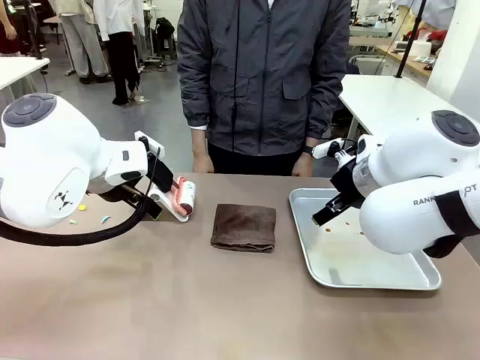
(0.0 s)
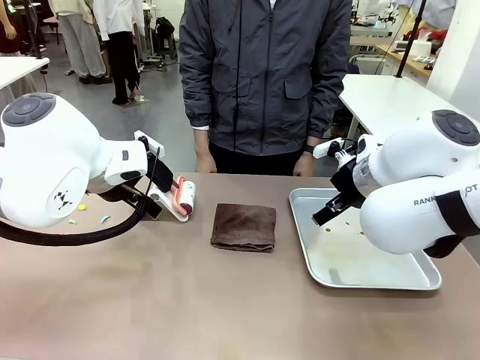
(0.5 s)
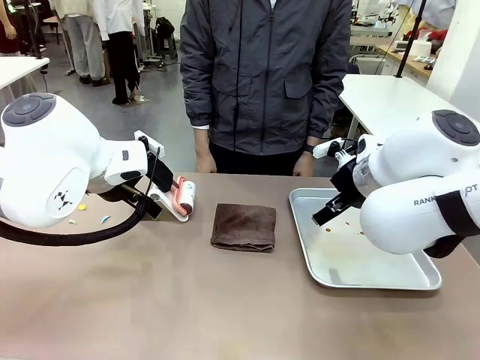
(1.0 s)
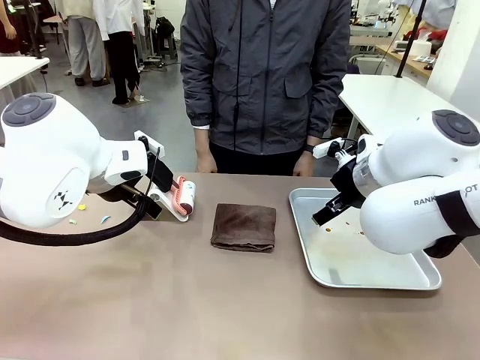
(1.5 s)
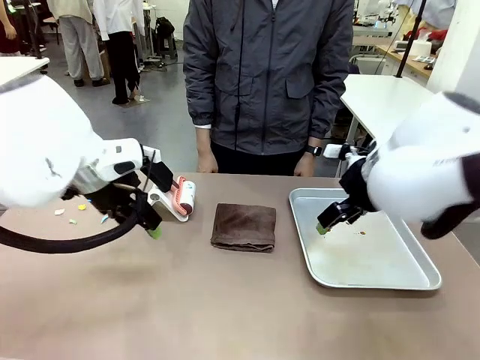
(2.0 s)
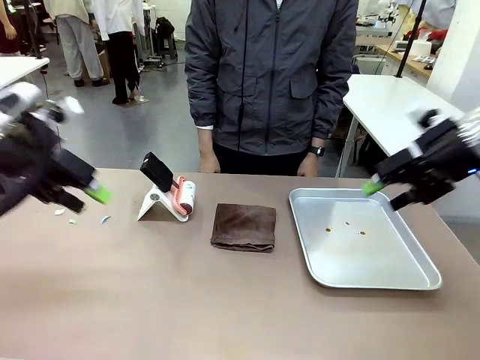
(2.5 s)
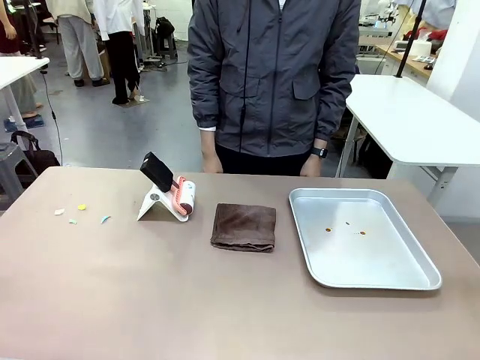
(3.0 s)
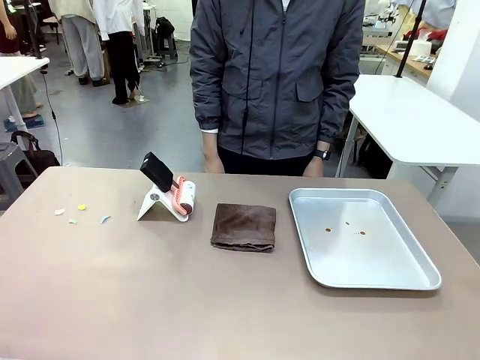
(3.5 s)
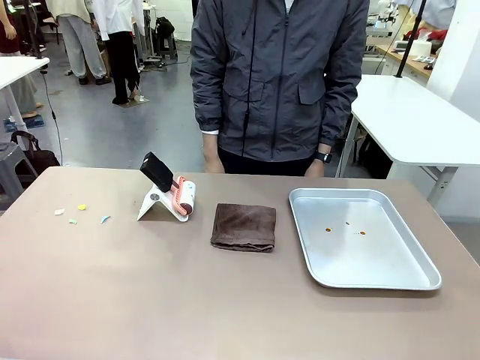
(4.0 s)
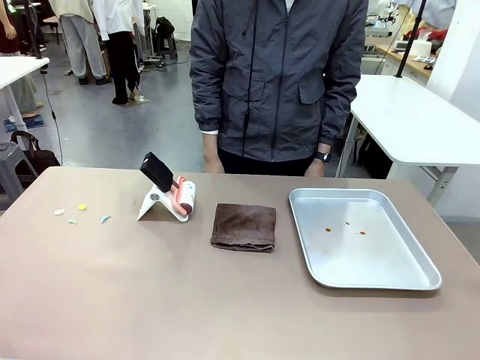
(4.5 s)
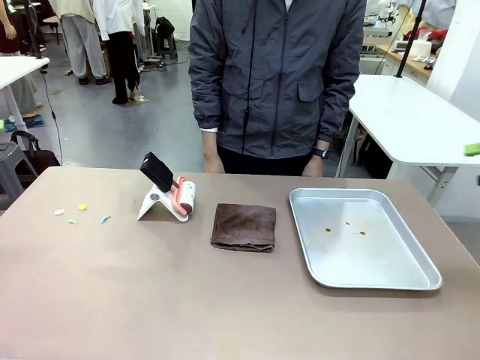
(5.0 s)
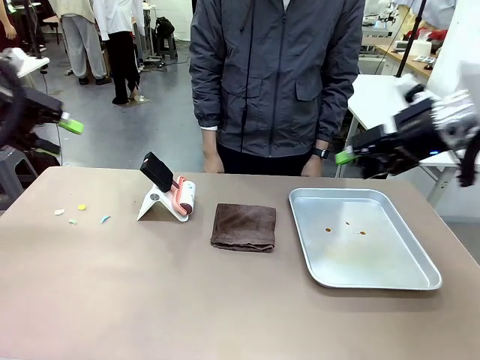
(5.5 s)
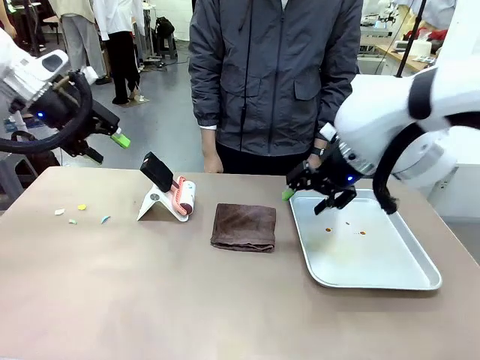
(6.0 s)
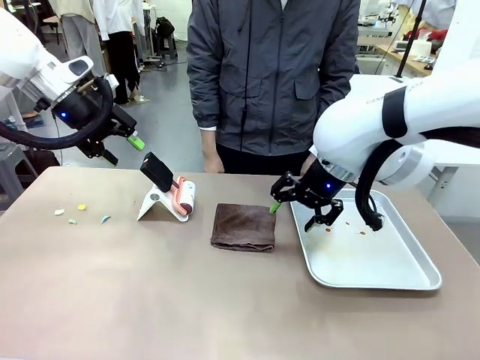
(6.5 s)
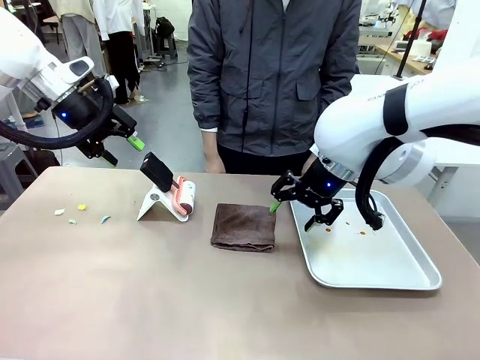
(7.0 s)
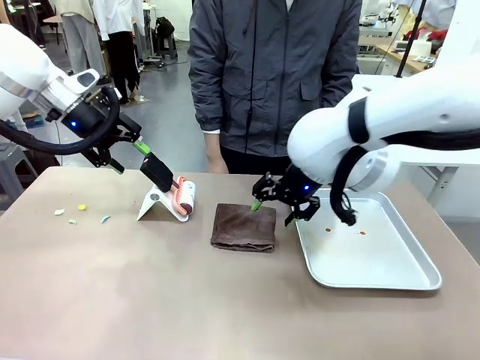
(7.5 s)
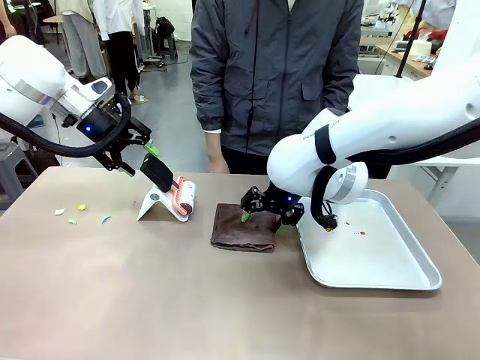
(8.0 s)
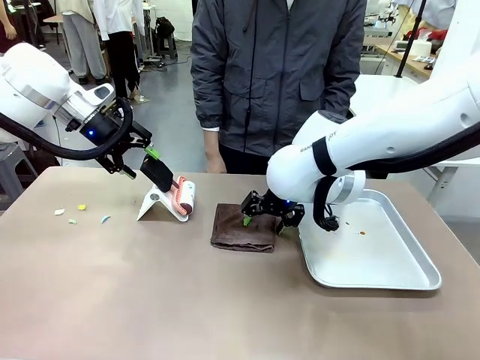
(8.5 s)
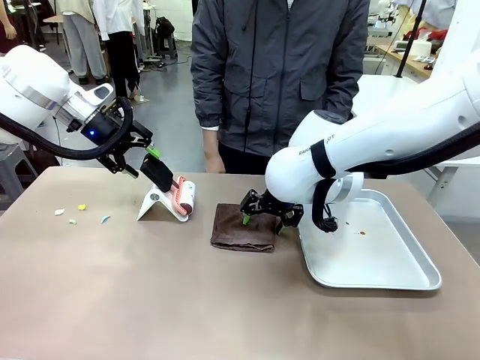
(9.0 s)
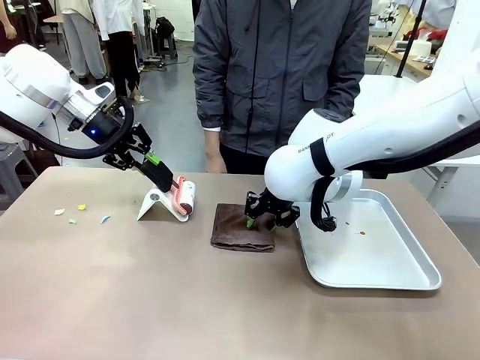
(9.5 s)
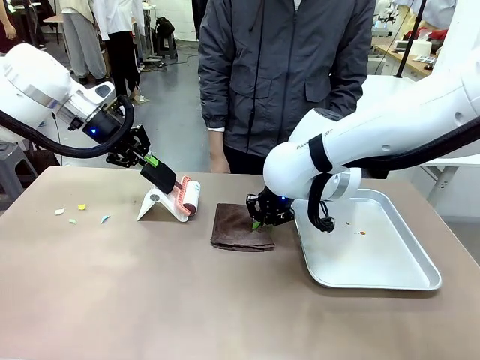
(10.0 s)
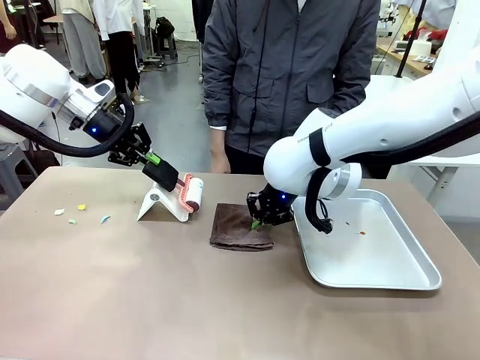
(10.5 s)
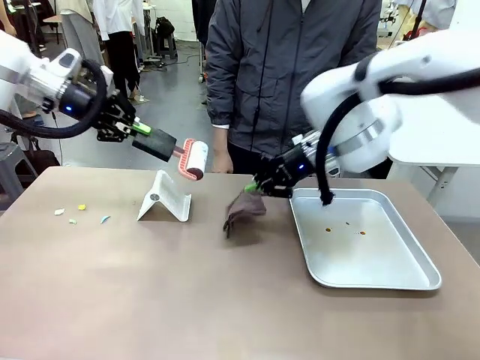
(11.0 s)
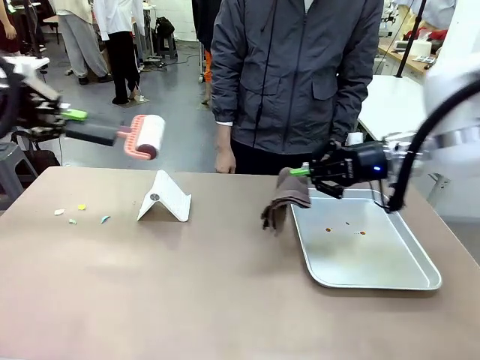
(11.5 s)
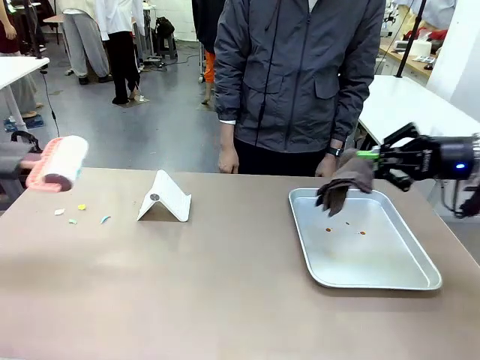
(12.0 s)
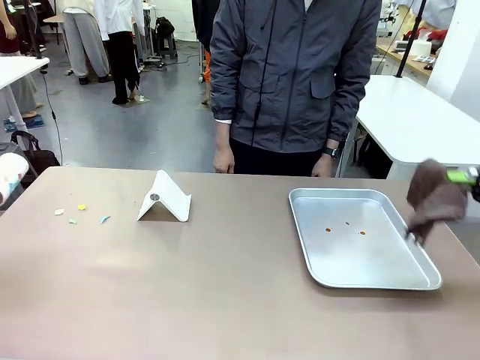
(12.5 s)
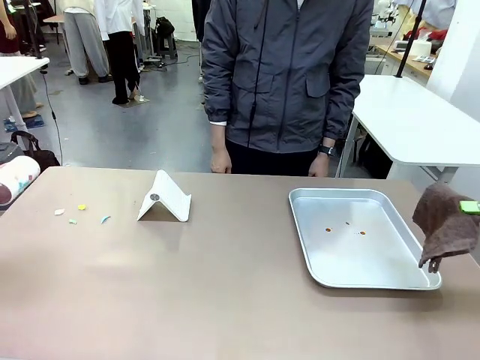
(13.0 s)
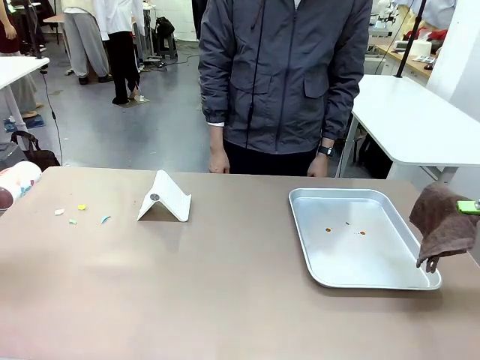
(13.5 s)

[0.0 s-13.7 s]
Task: Clean the surface of the table.
Robot: Hold the Lint Roller with your left hand and the towel with your right hand.

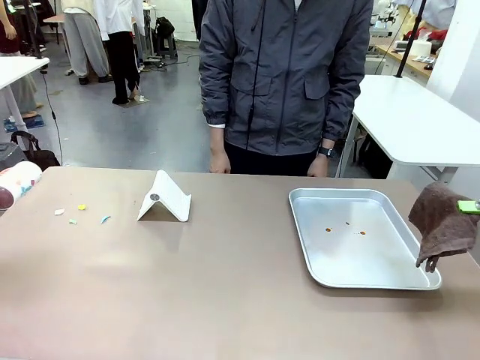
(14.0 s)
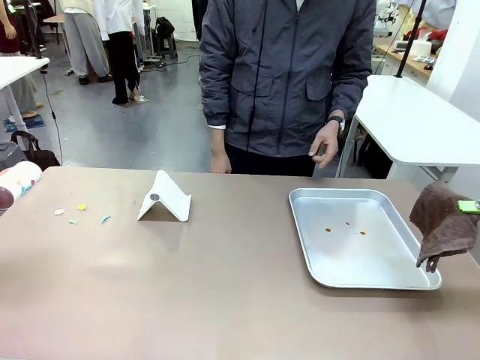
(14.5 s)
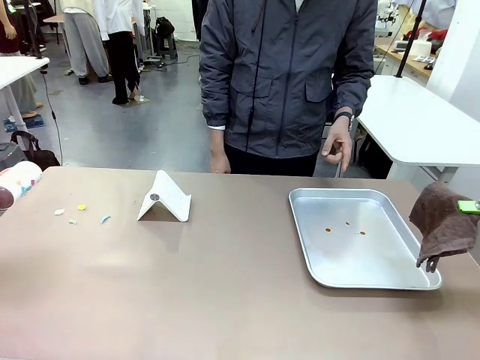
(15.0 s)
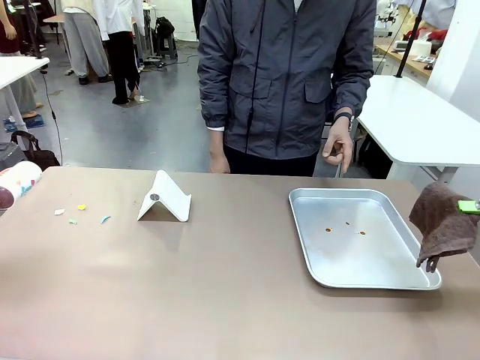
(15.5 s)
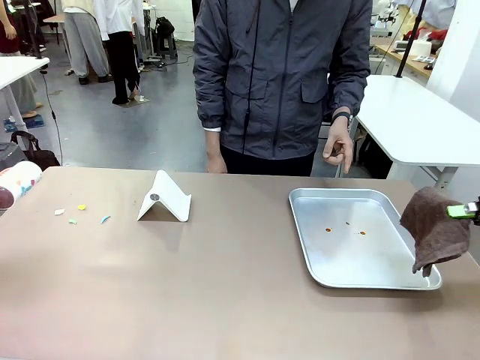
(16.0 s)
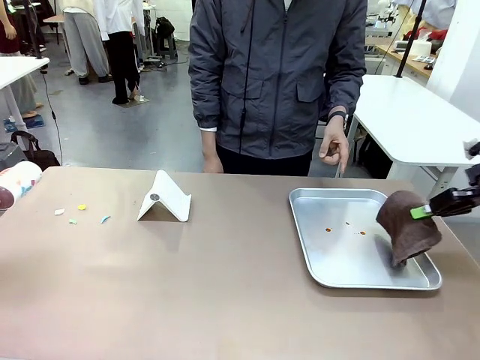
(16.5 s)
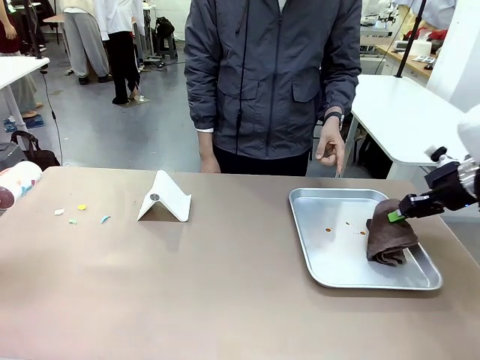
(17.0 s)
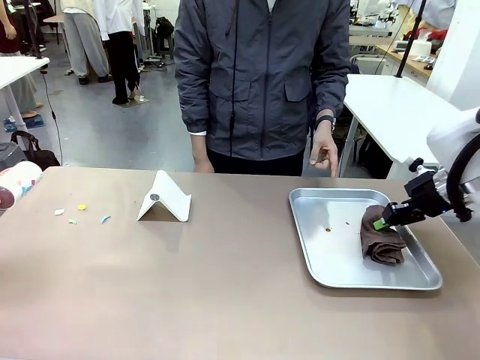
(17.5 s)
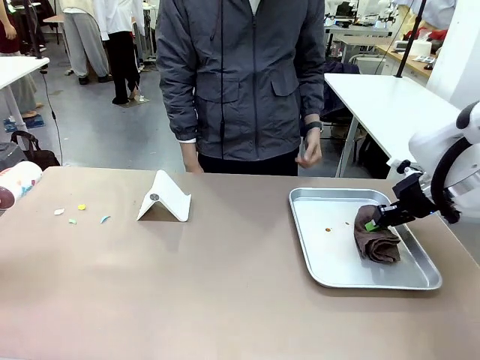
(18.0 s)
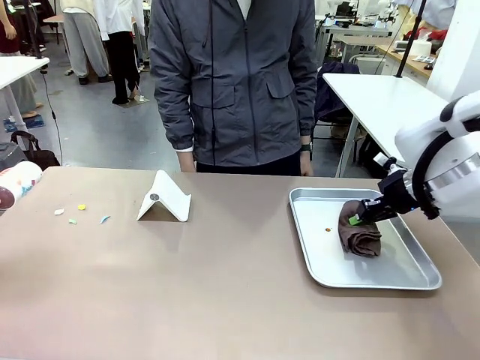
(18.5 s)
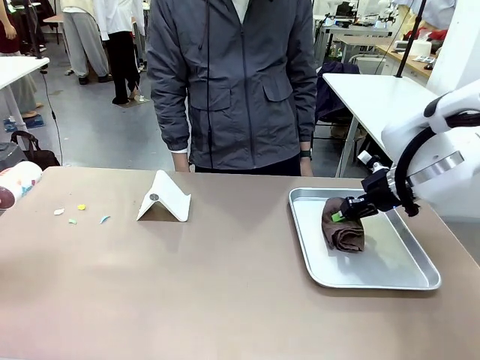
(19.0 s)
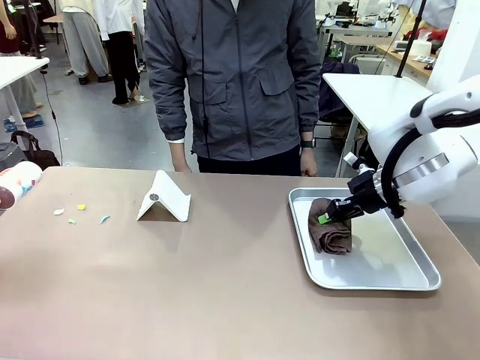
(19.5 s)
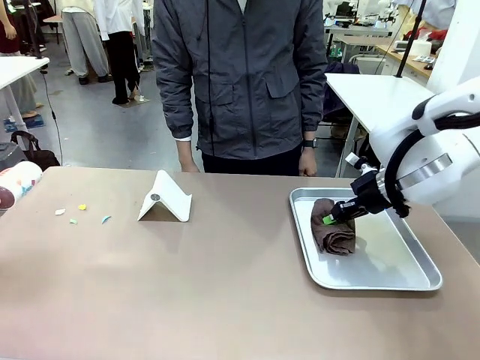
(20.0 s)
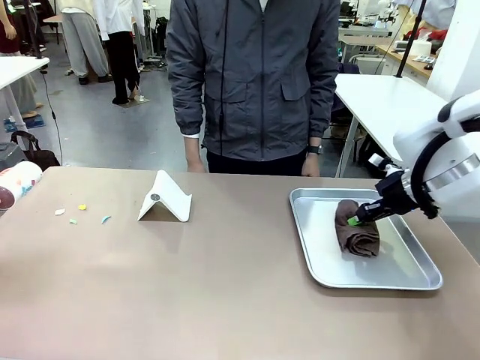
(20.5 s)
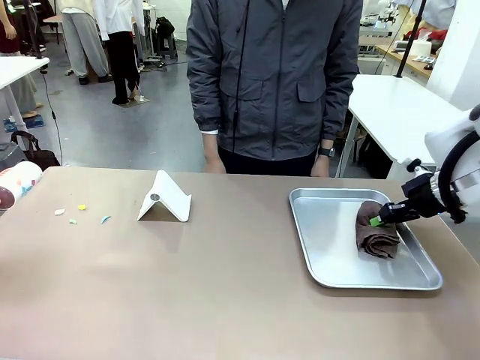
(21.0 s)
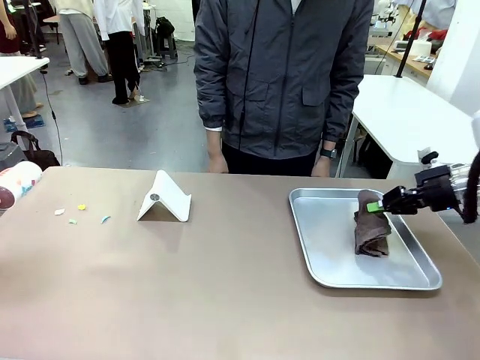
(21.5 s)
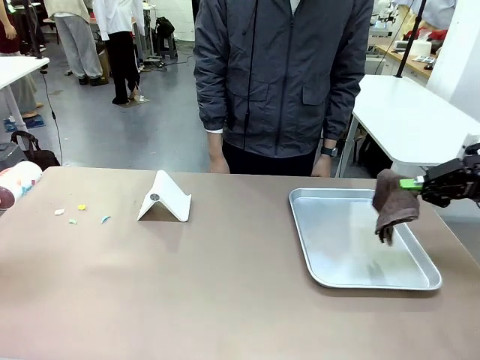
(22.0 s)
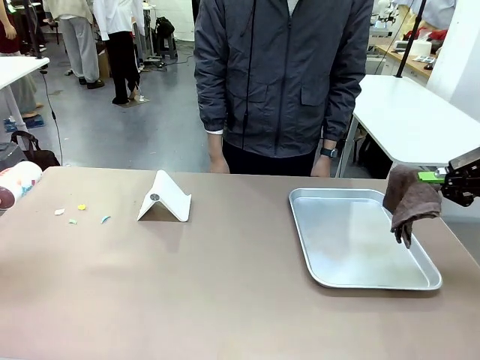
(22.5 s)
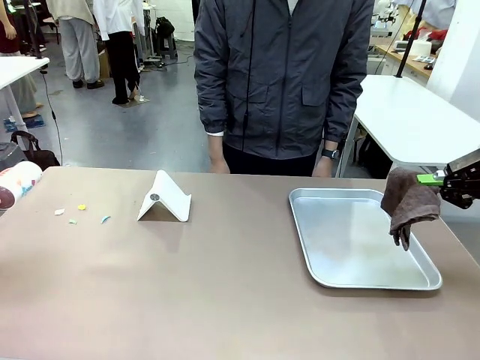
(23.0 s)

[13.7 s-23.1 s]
Robot: If a person points to the right, clean the right side of the table with your right hand, and if they point to the left, clean the left side with your left hand.

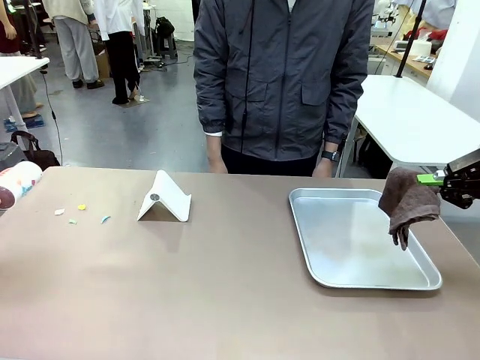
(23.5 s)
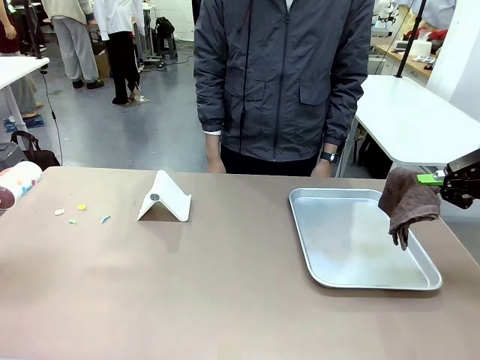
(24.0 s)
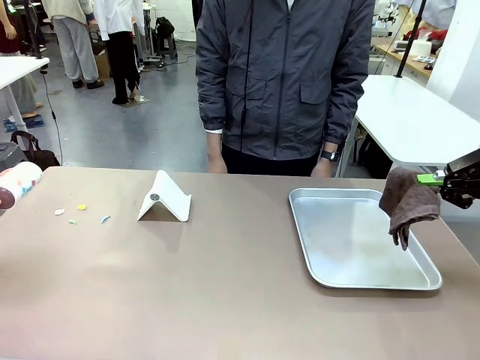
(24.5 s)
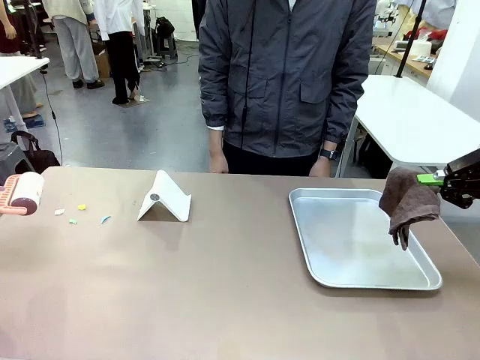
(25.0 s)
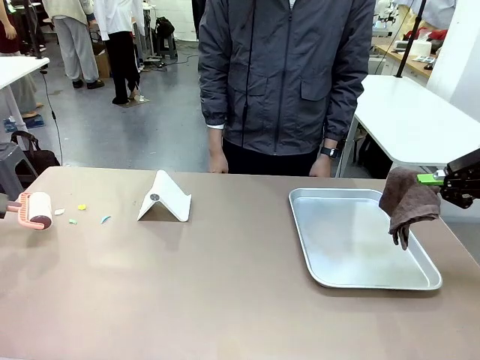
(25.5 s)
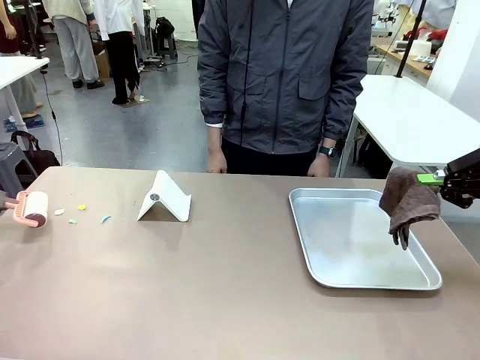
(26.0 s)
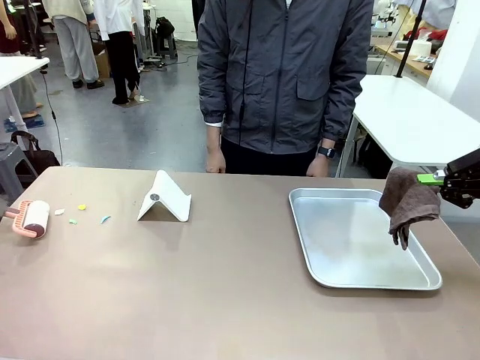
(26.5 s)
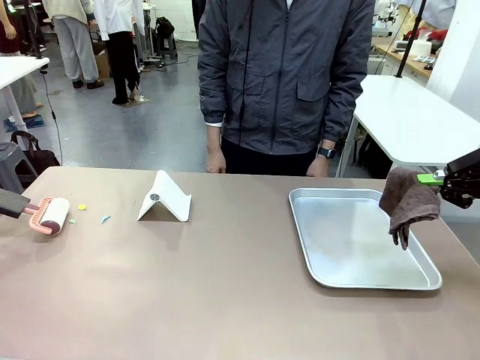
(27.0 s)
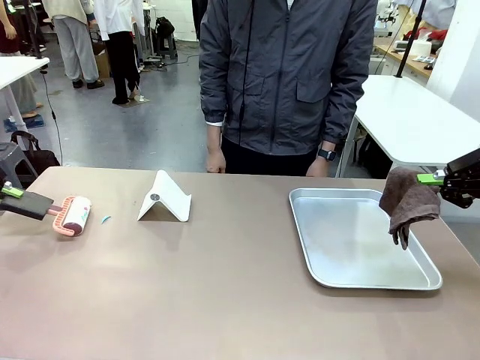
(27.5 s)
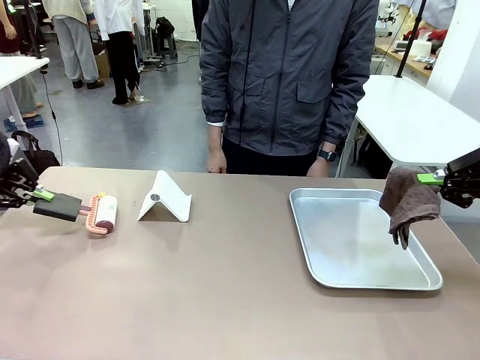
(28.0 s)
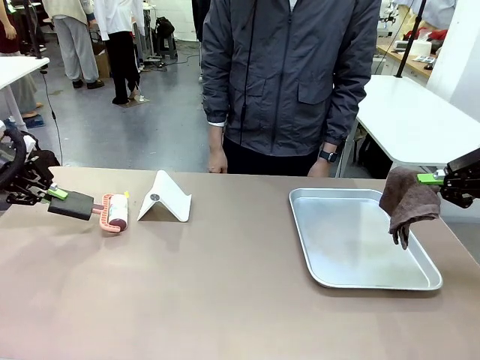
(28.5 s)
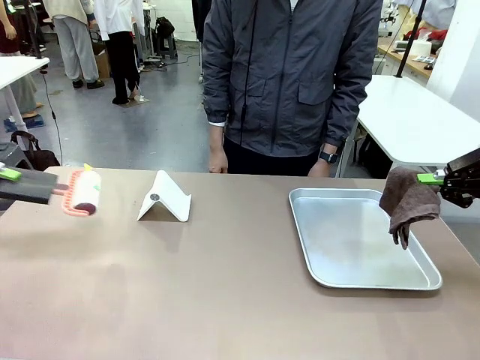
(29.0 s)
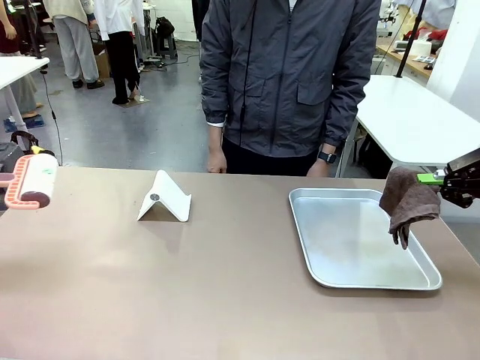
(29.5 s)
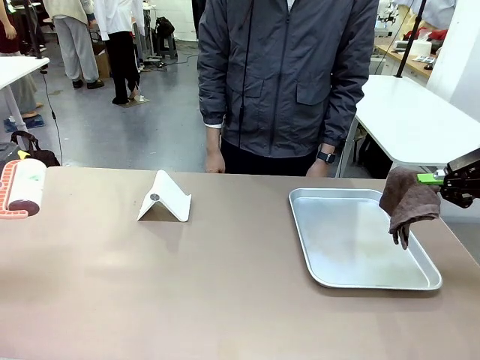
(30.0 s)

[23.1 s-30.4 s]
Robot: Clean the area not pointed to by the person.
